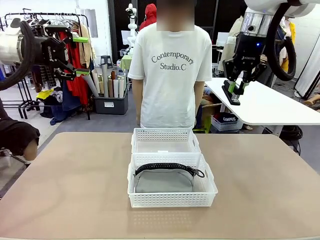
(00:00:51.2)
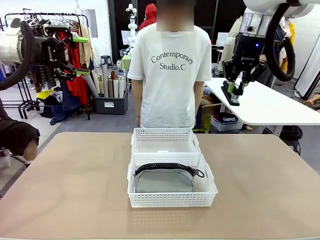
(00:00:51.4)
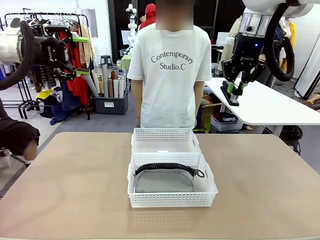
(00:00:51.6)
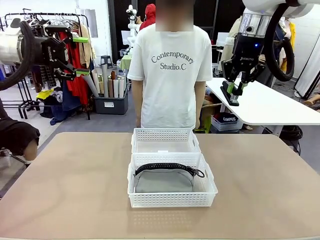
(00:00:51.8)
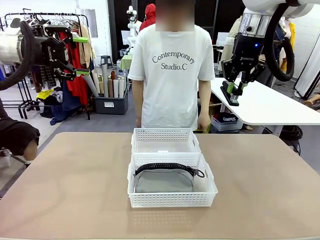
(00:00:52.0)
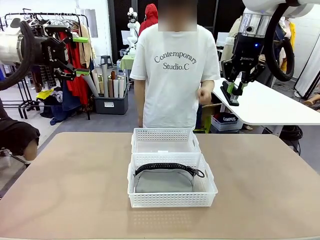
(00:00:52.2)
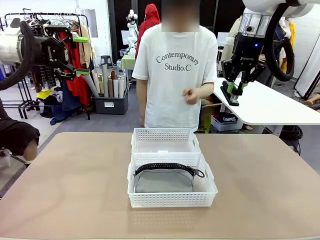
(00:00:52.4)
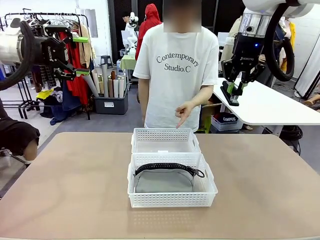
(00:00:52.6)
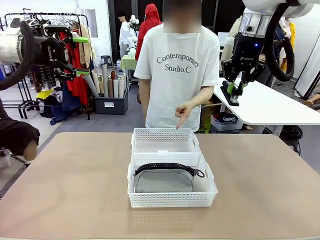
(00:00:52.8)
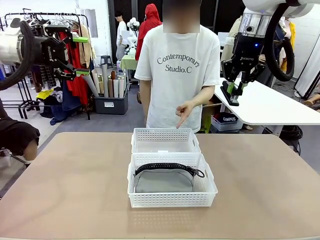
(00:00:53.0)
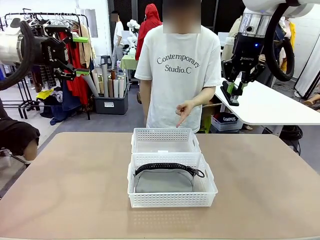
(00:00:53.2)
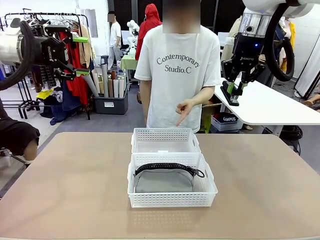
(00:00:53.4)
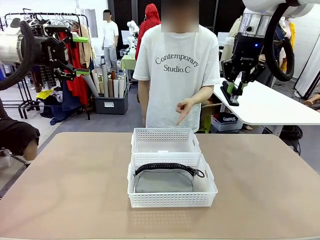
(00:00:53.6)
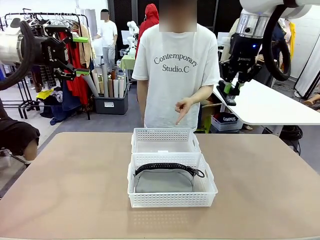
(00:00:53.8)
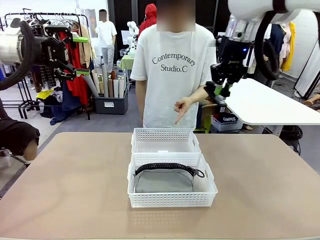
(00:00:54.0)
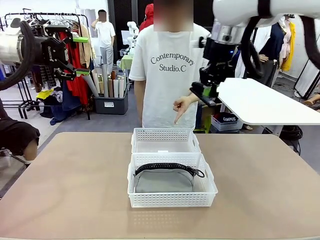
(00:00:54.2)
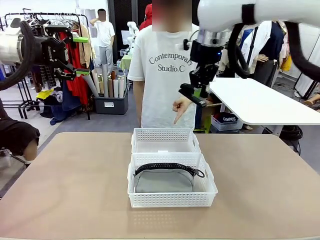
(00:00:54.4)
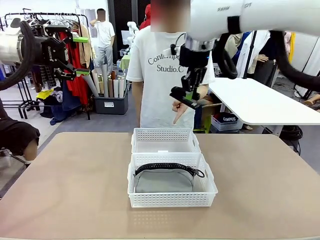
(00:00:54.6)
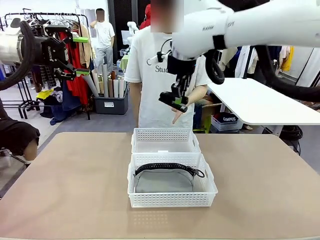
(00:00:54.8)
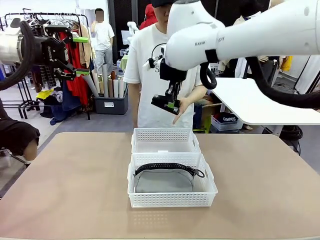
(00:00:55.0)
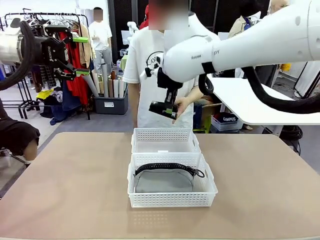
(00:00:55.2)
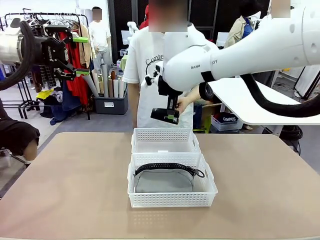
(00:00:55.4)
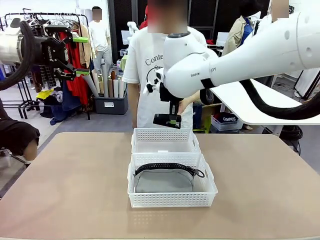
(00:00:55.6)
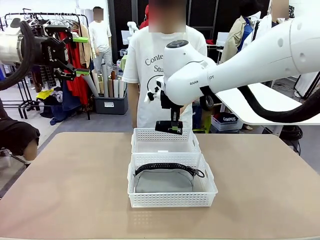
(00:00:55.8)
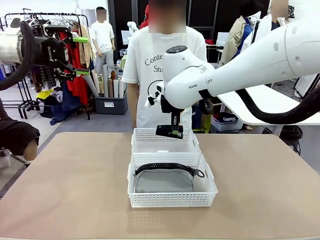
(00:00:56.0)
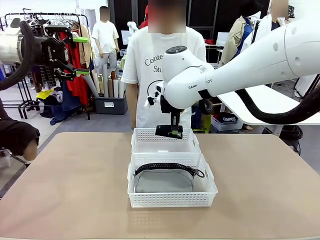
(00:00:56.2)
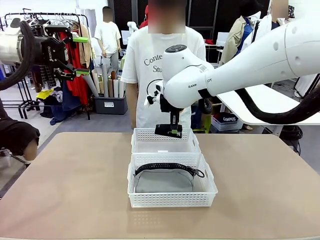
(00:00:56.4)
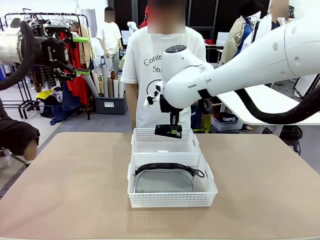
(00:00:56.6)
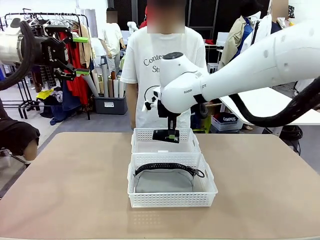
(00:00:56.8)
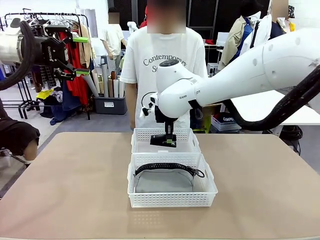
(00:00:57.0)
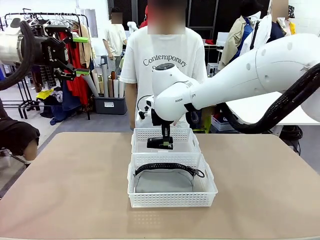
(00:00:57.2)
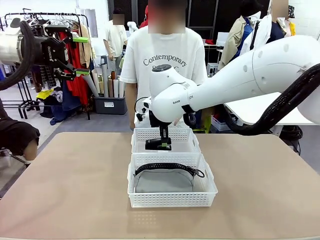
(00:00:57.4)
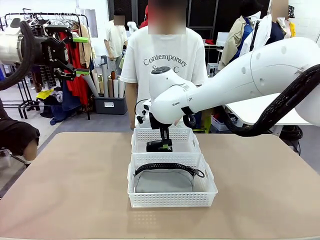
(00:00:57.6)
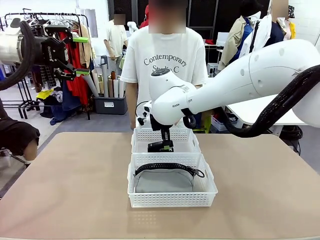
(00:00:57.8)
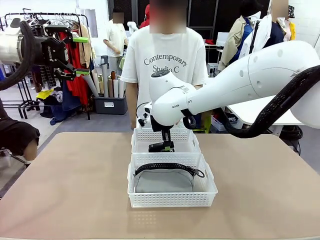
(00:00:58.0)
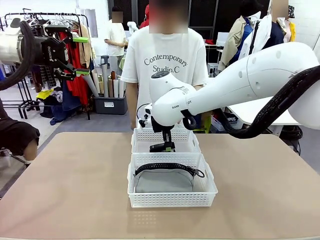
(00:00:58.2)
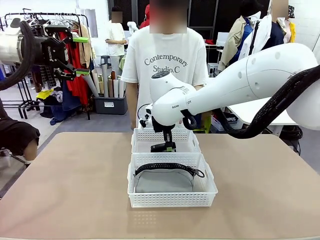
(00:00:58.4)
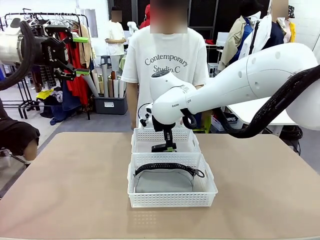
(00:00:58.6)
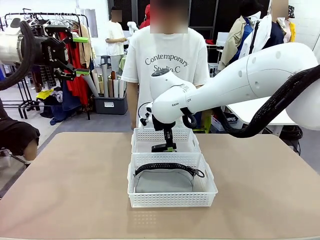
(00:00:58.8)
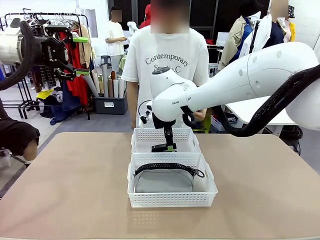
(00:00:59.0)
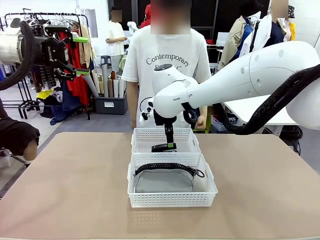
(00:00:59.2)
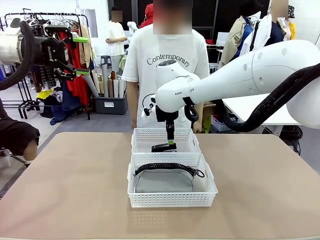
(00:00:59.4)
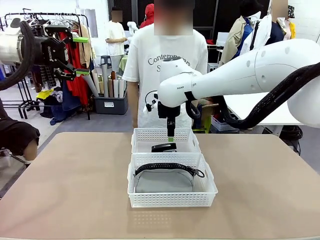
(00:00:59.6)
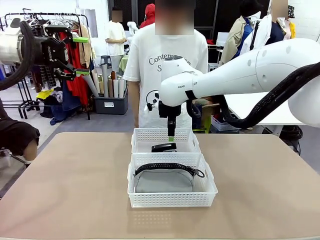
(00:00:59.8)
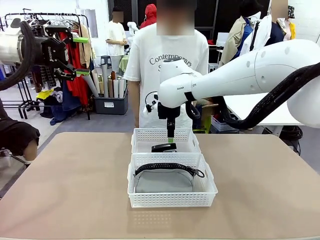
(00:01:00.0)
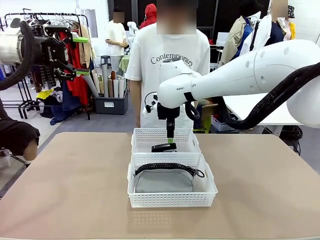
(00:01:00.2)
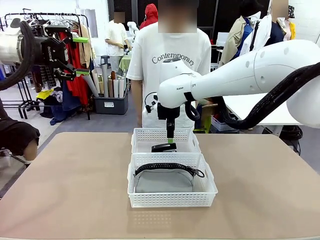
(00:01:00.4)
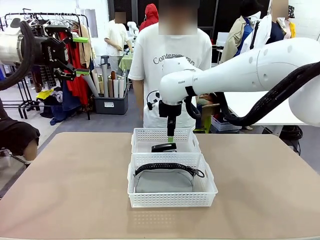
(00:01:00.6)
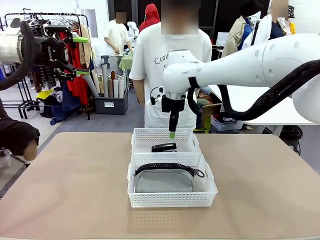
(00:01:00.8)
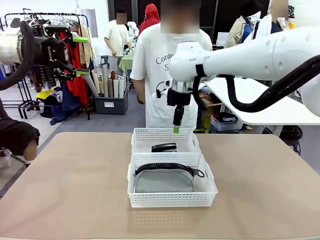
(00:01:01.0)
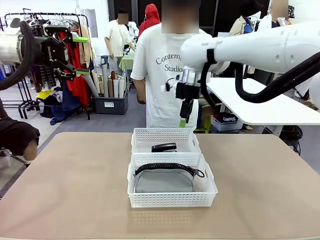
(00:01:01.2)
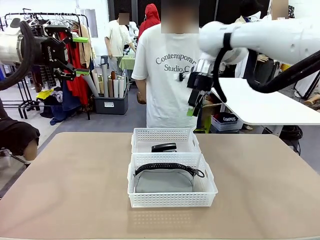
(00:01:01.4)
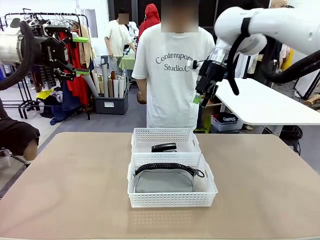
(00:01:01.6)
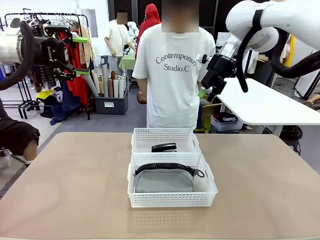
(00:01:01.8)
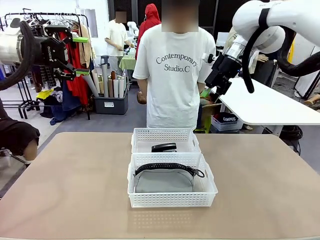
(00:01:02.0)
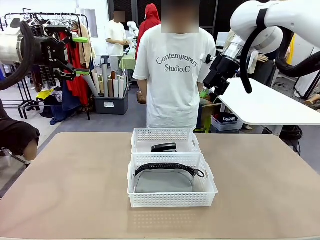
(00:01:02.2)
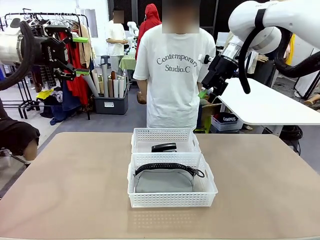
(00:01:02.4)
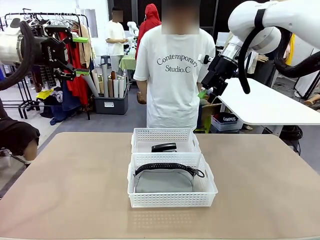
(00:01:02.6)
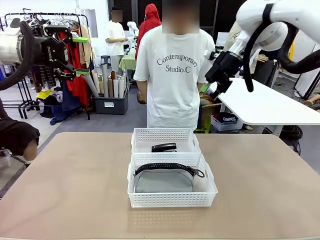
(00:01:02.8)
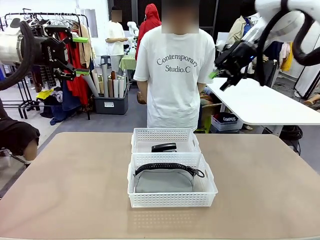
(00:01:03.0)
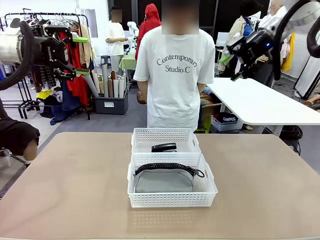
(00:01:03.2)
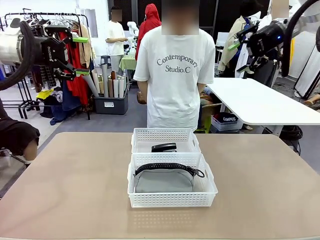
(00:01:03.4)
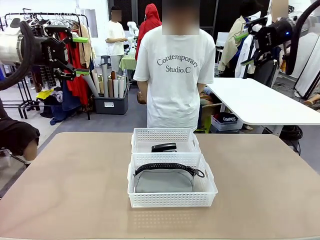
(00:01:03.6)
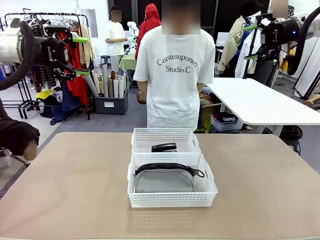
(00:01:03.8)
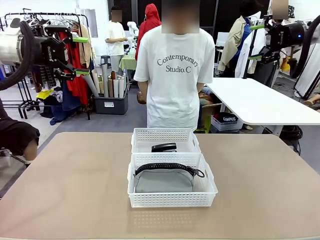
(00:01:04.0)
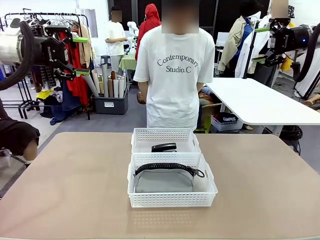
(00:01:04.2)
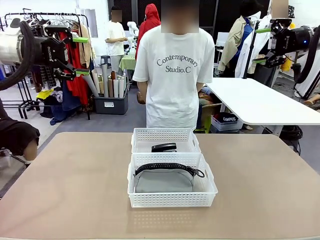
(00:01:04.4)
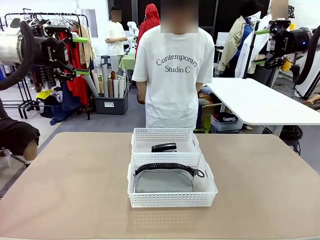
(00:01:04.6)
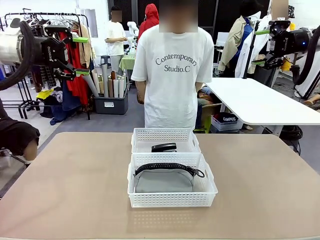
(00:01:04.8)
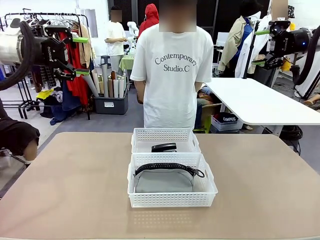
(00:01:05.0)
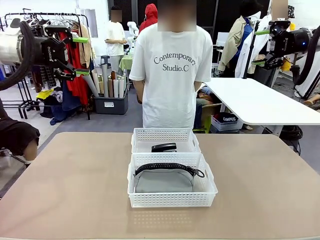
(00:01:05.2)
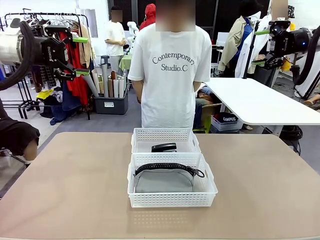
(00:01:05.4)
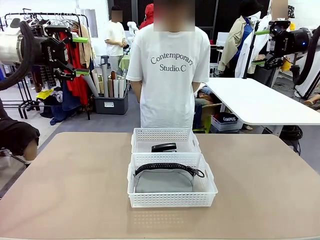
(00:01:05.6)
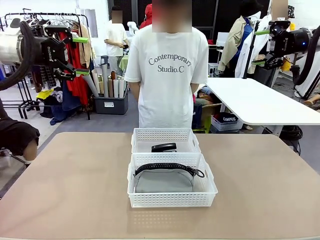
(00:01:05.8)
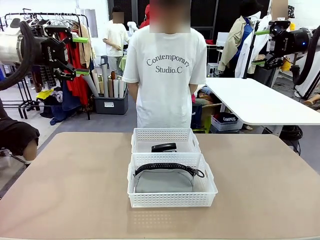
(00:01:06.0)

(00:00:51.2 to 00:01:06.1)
Task: Distribute items into two baskets.
Robot: Place the picked Stapler into the Organizing basket as instructed by the person.
Person: Points to the basket that does not contain the pencil case and instructs the robot to move the stapler there.
